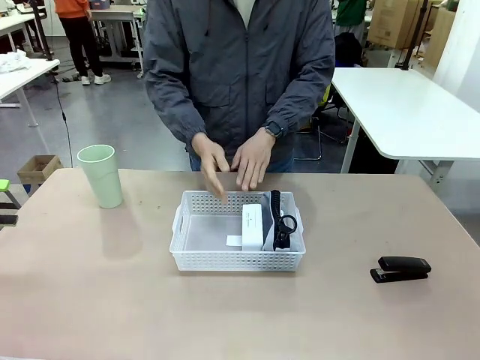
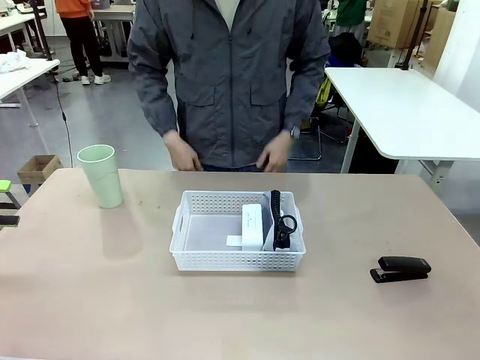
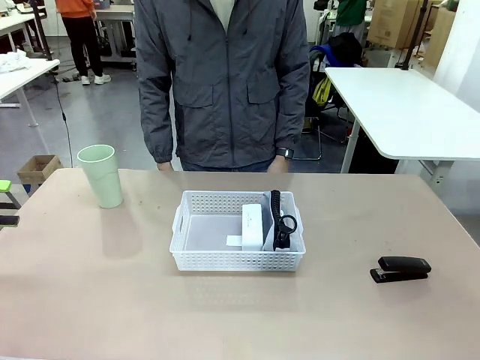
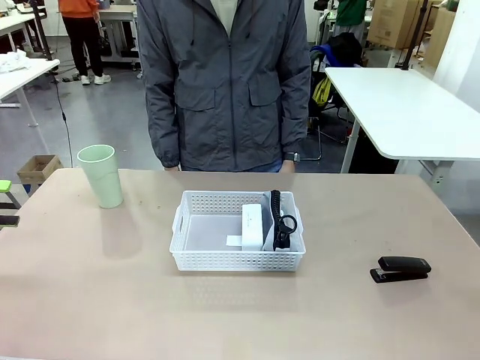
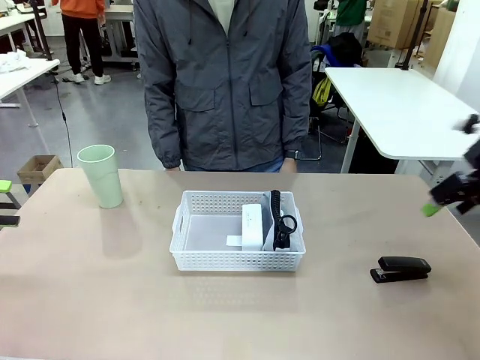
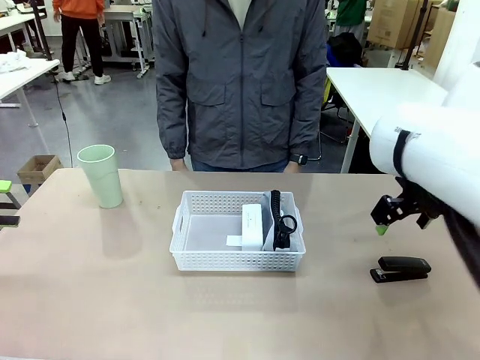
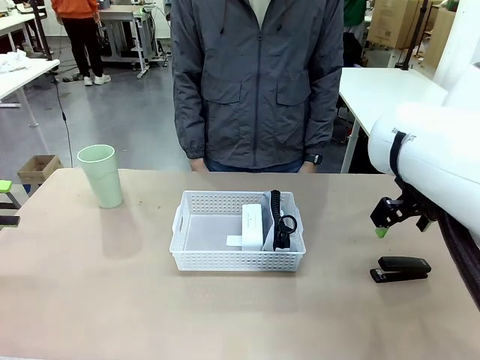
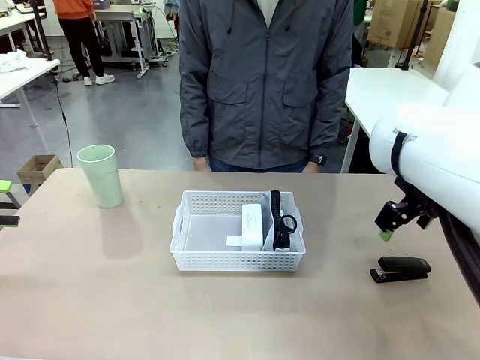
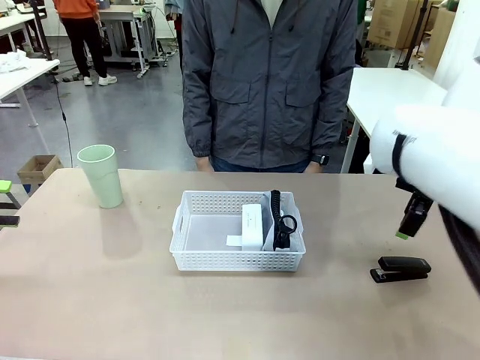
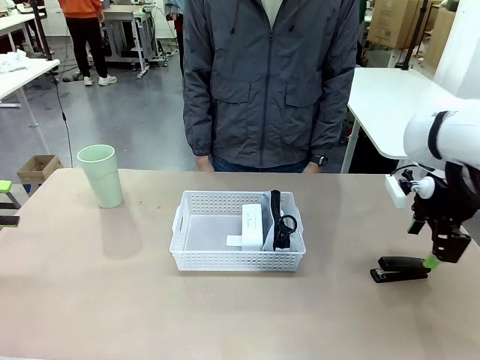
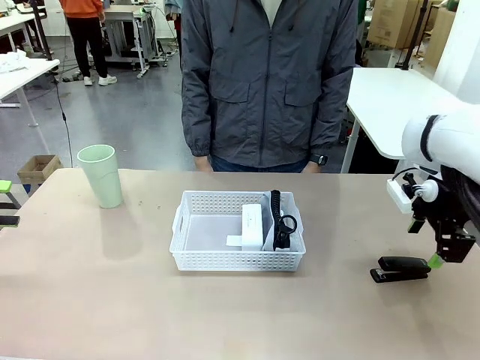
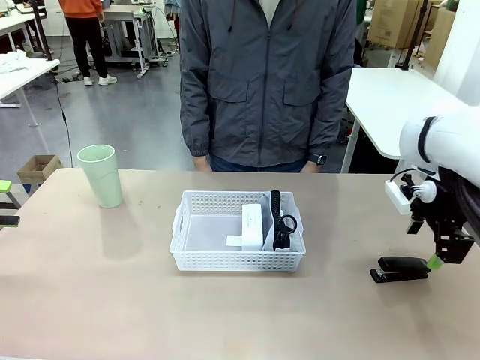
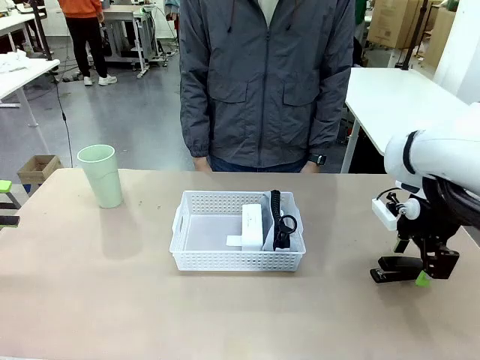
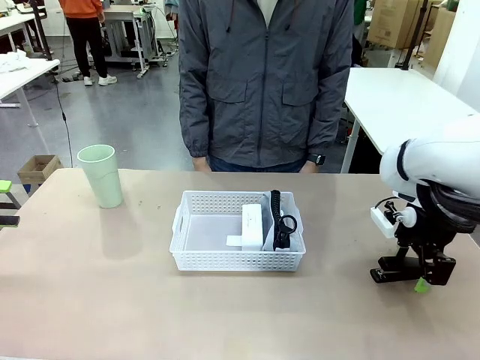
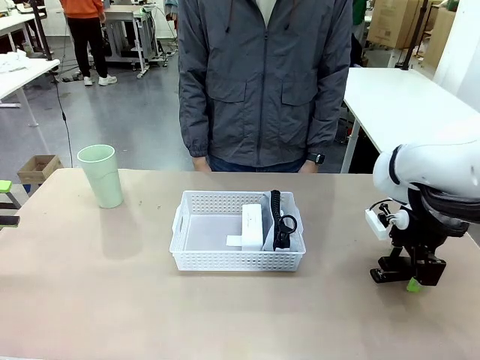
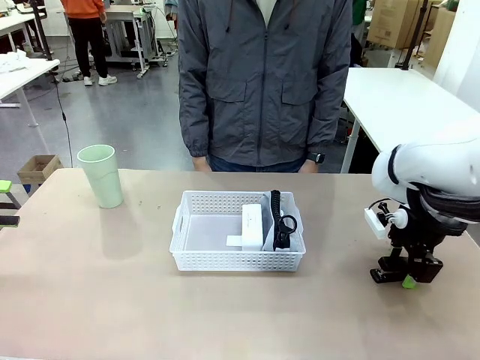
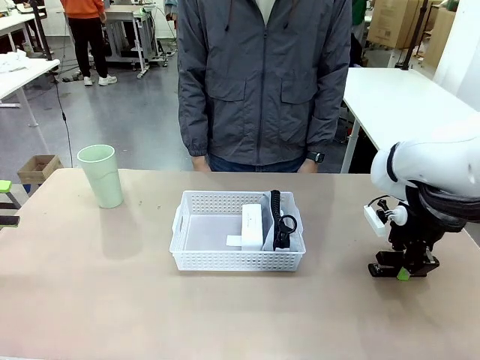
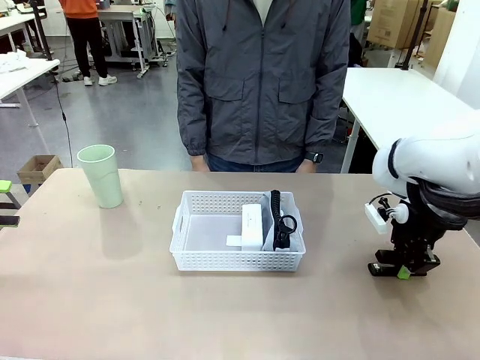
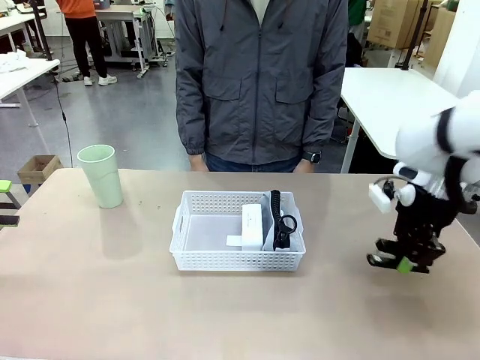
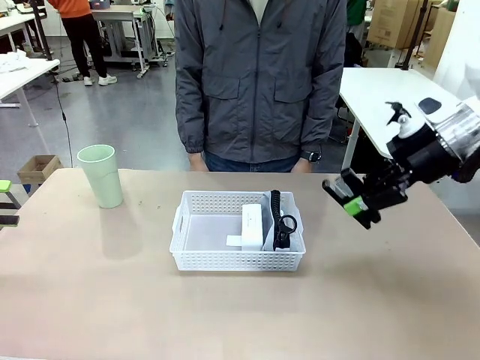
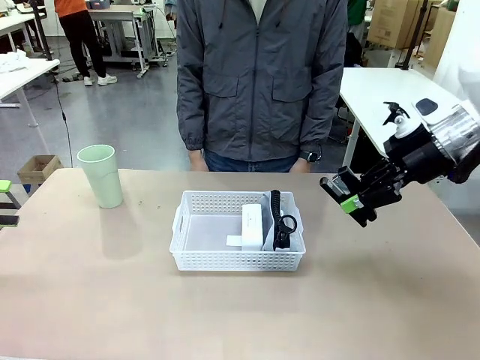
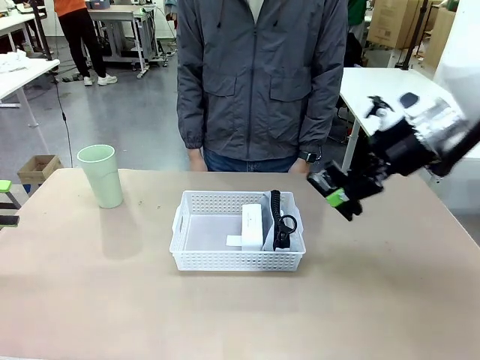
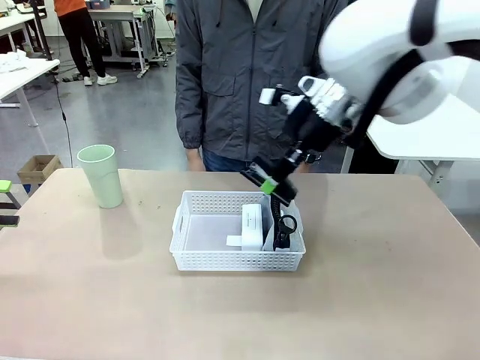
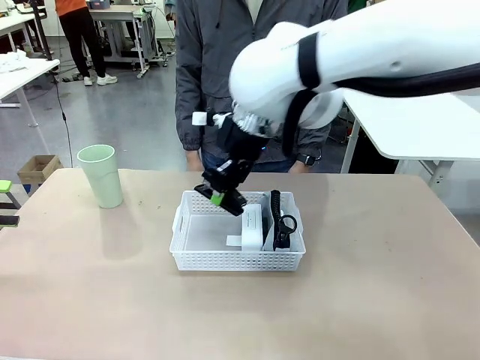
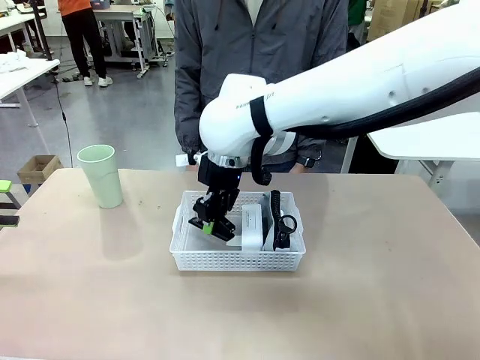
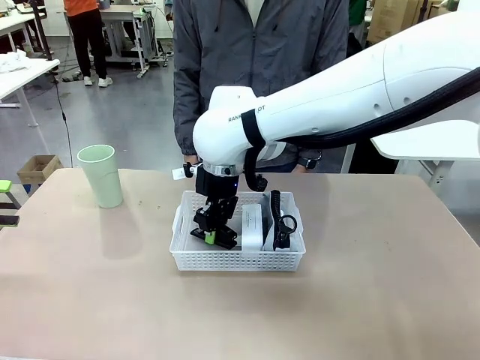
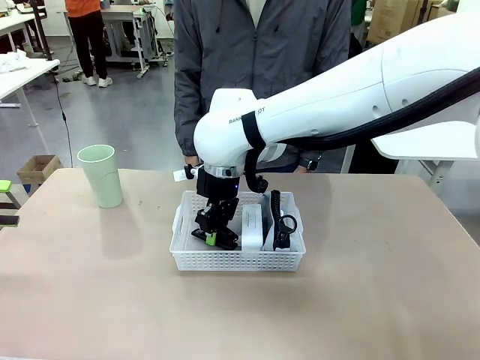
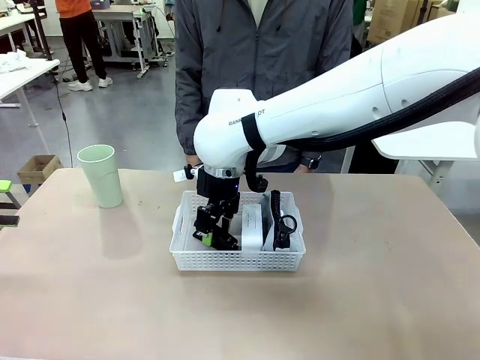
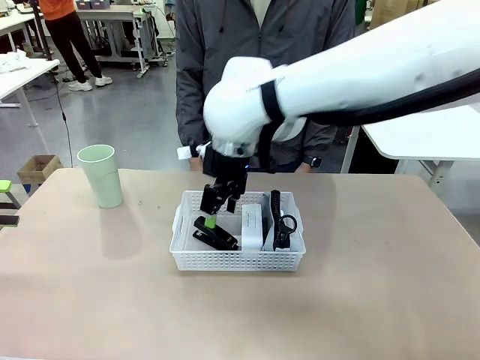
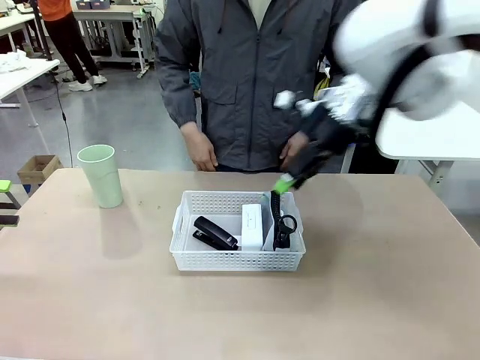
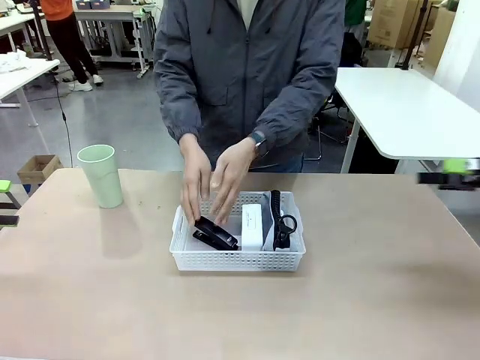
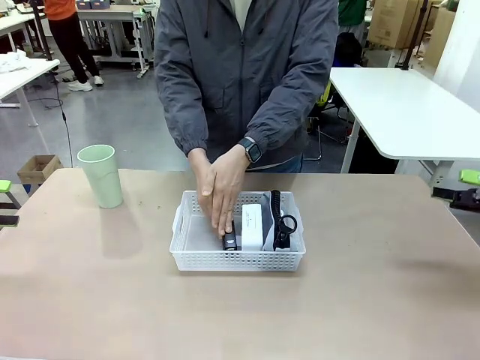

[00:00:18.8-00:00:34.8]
Task: Efficiently arrange items inside the basket to fit them all.
Robot: Pick up the Stapler and place it inside the Organizing basket.

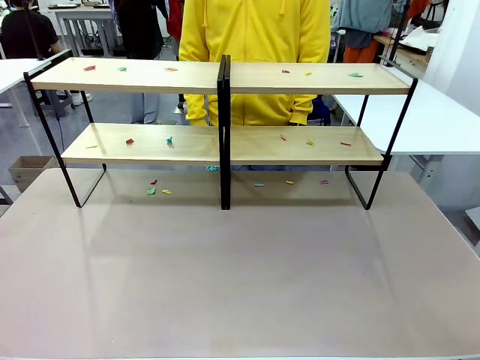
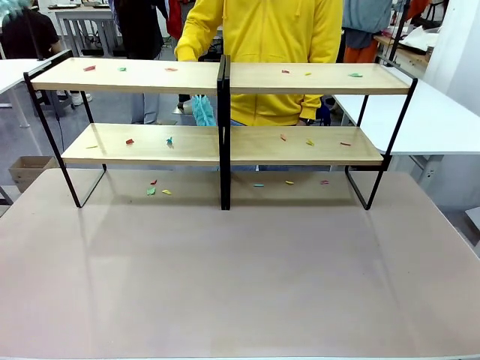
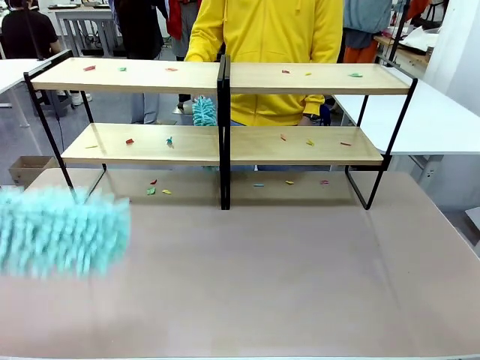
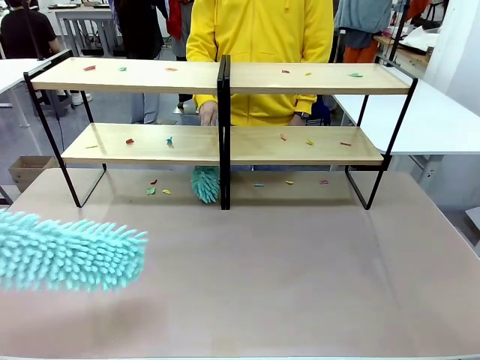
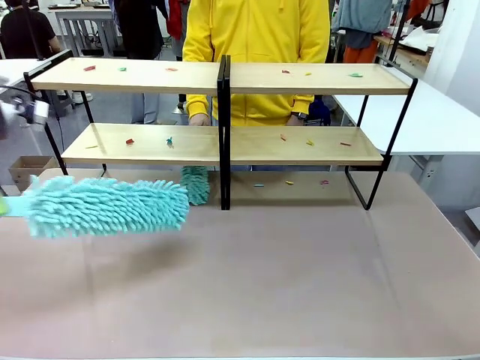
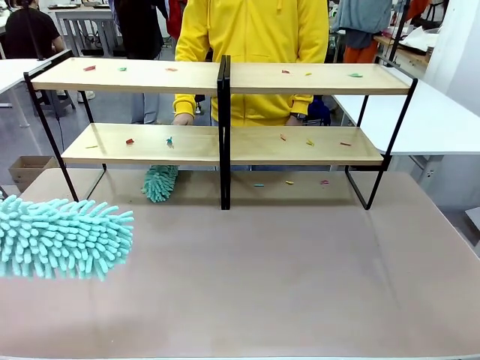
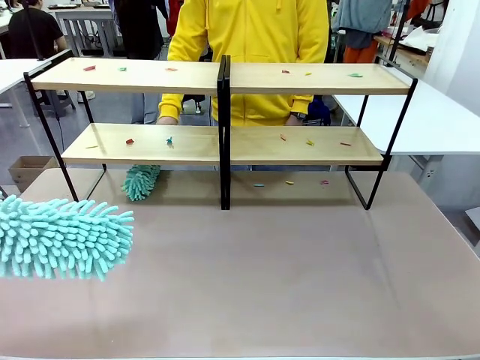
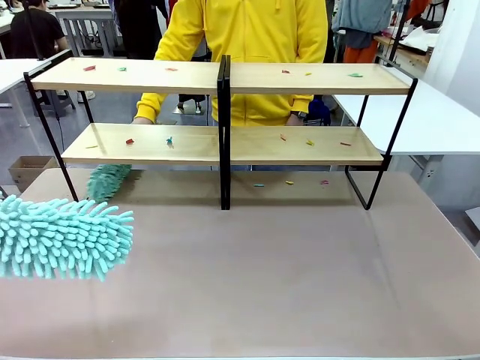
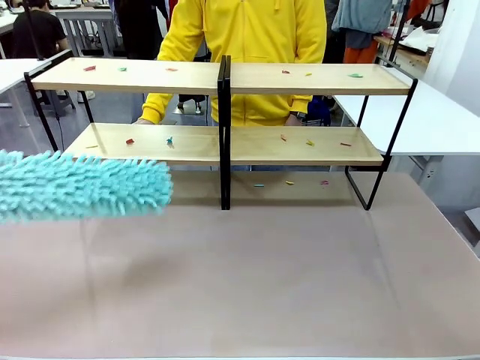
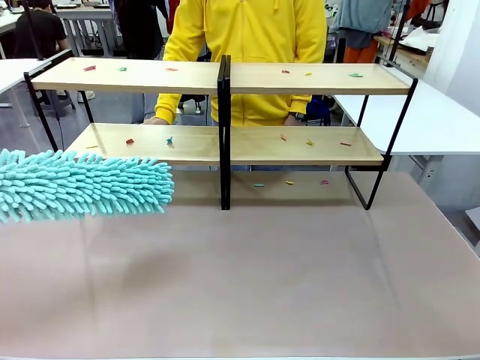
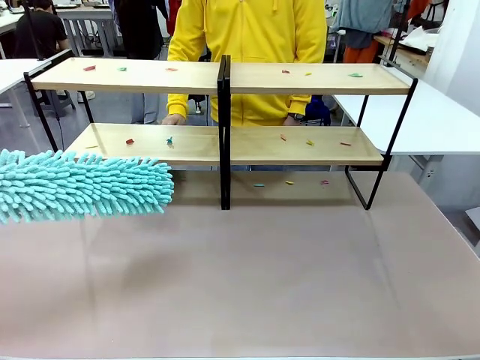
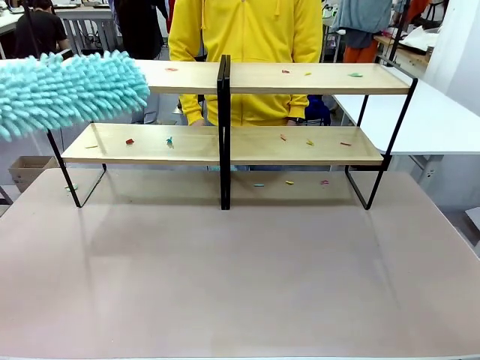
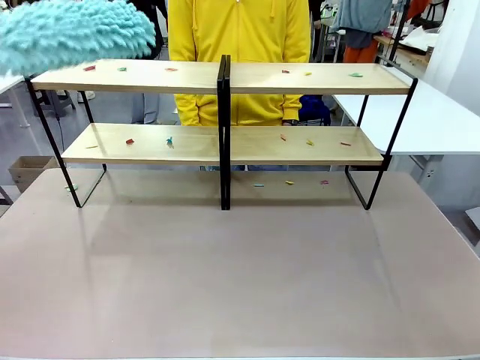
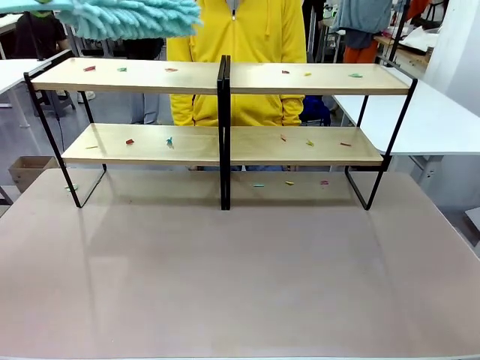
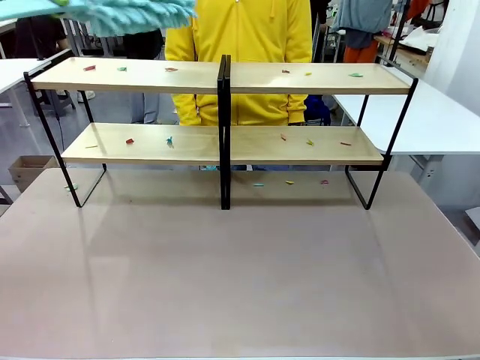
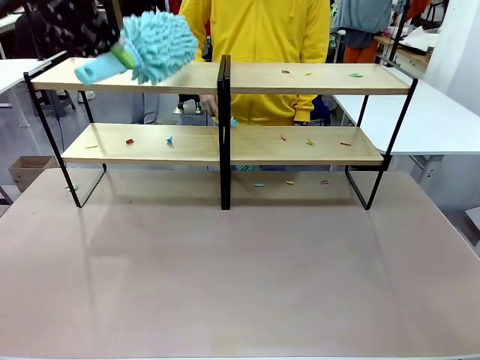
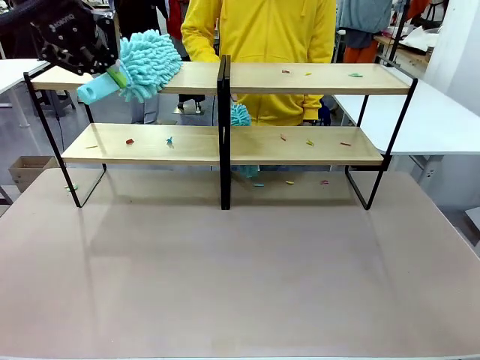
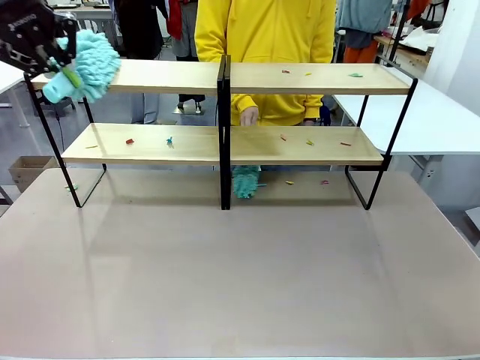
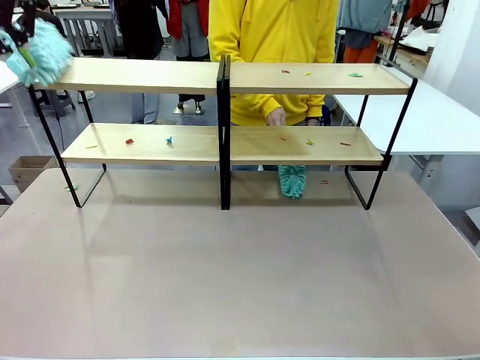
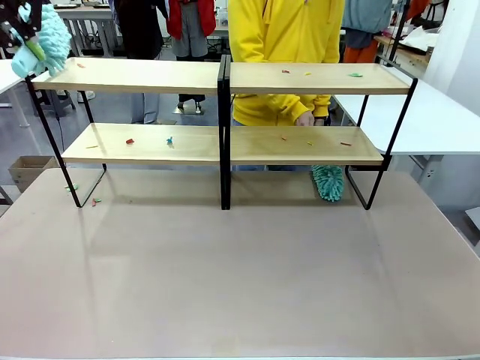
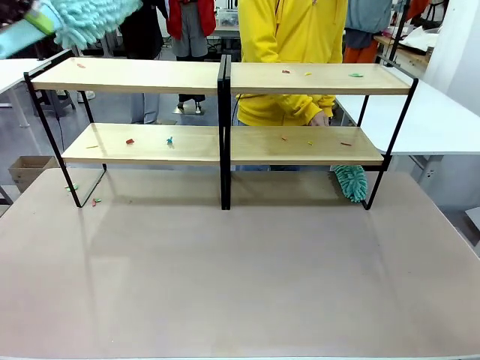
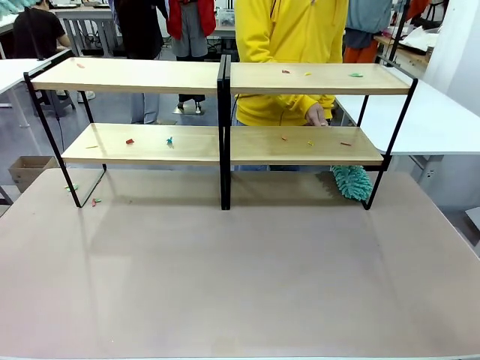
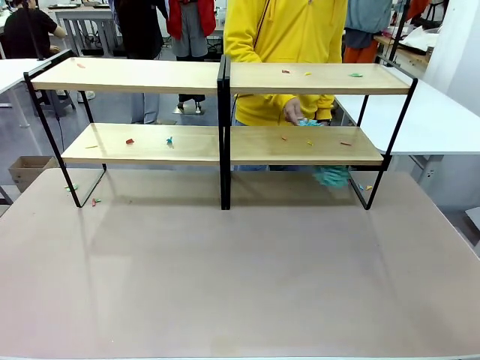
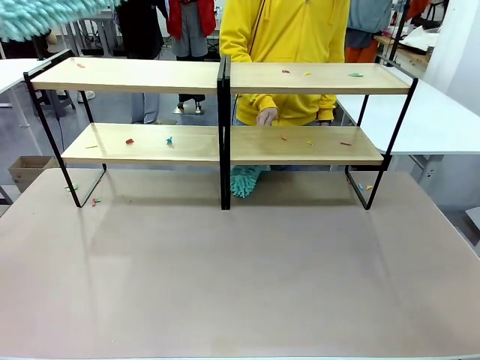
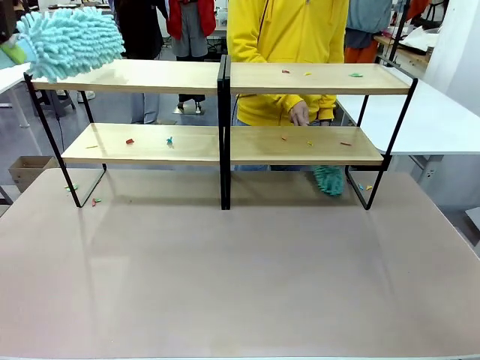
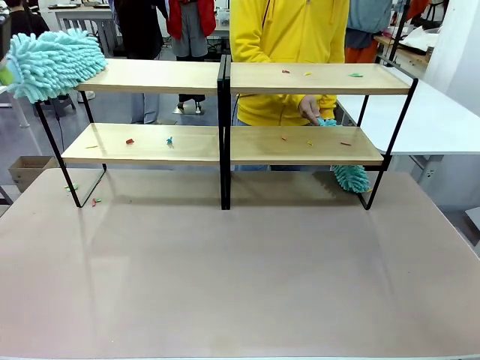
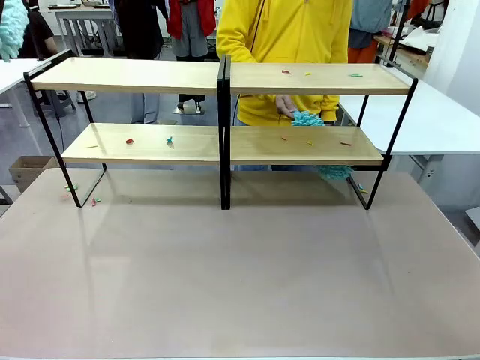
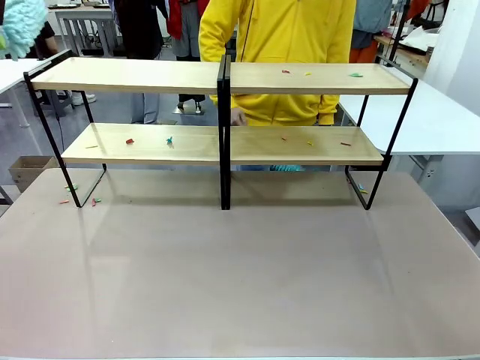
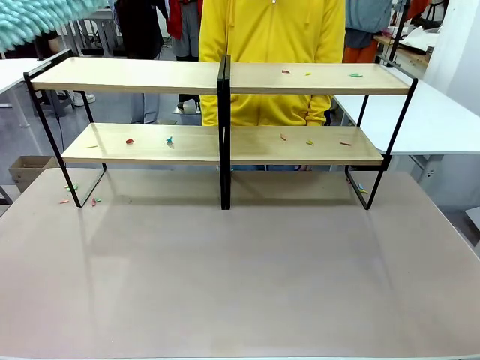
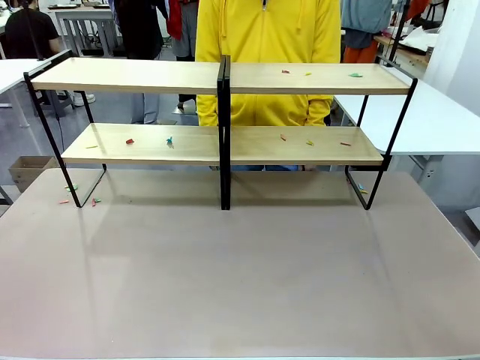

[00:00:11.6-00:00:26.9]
Task: Clean the shelves.
Robot: Clean a randomly selected level of the Shelf with the Duster.
